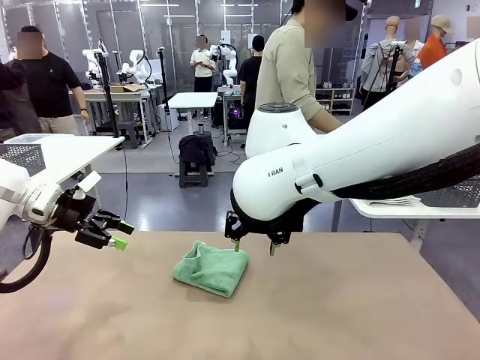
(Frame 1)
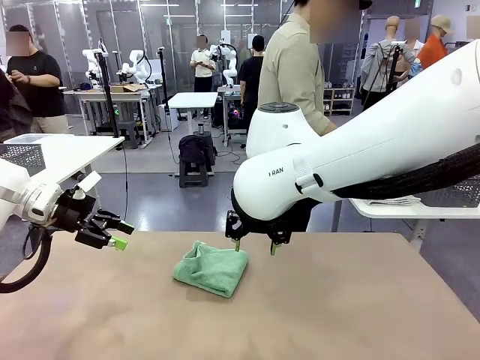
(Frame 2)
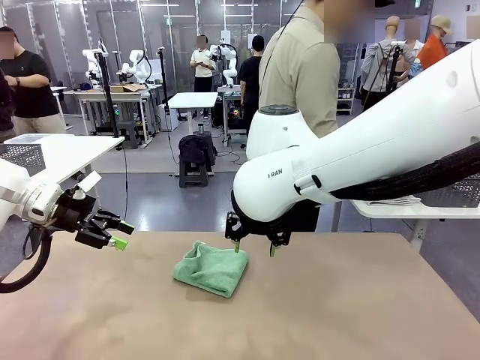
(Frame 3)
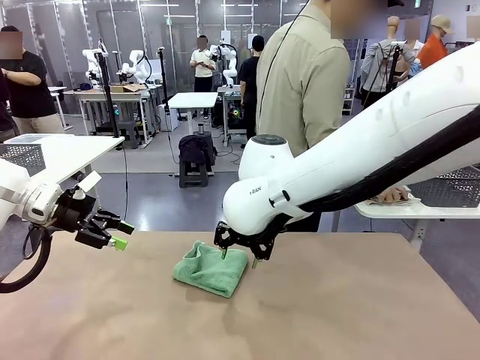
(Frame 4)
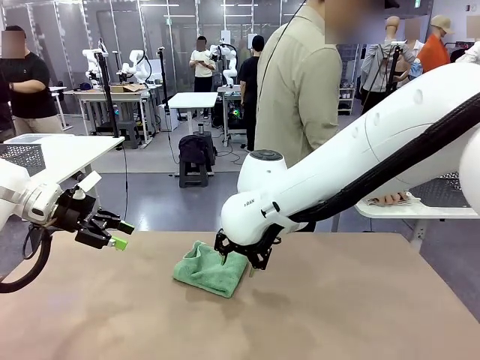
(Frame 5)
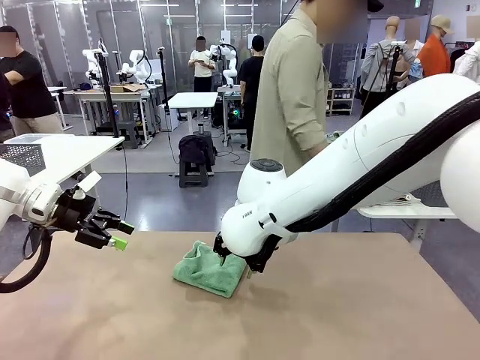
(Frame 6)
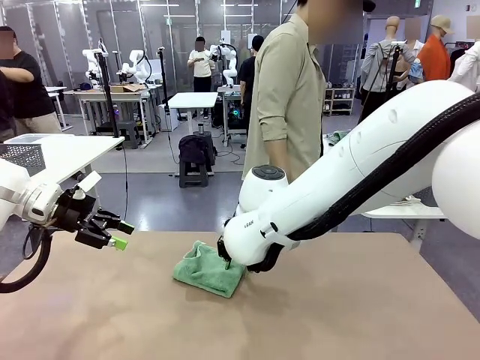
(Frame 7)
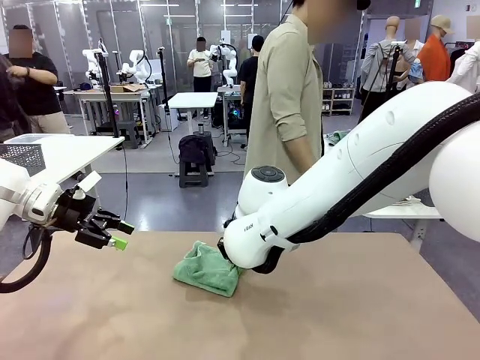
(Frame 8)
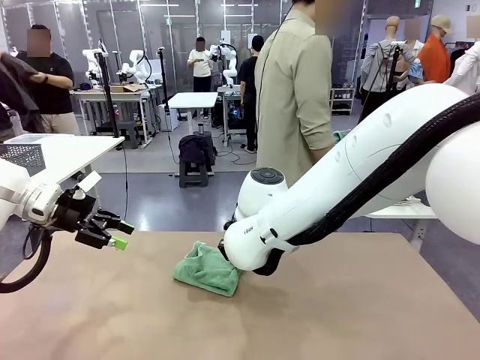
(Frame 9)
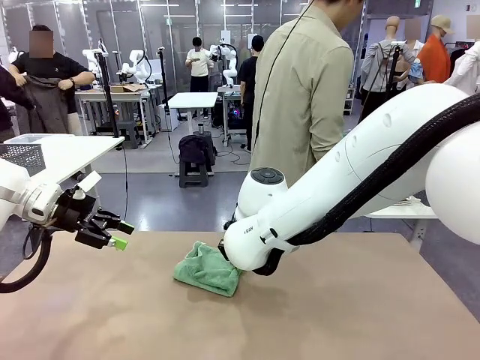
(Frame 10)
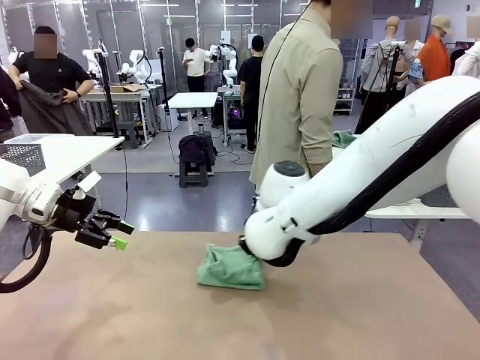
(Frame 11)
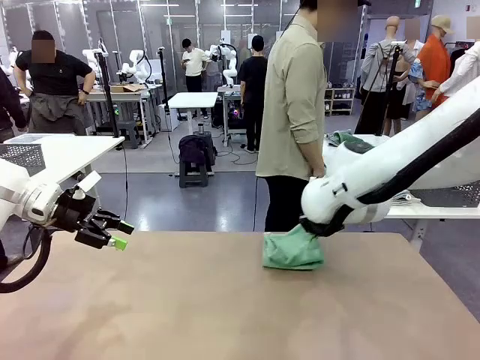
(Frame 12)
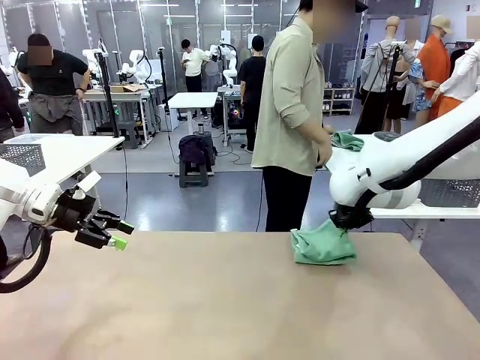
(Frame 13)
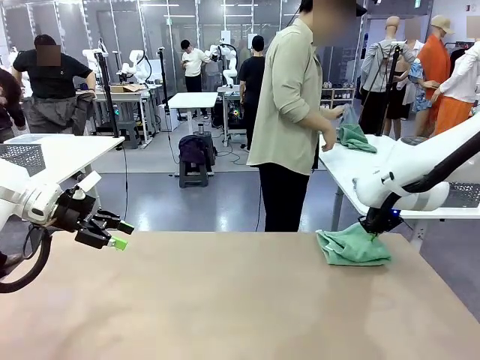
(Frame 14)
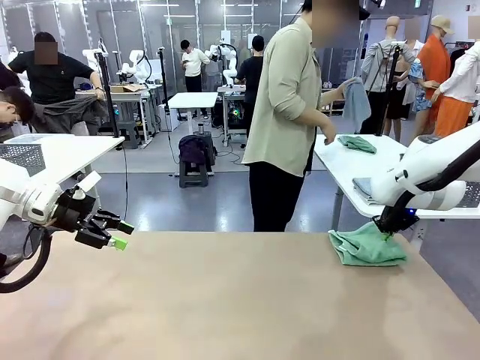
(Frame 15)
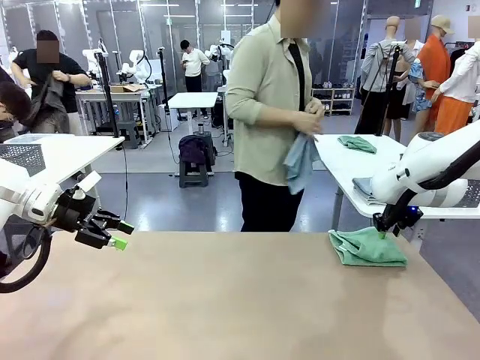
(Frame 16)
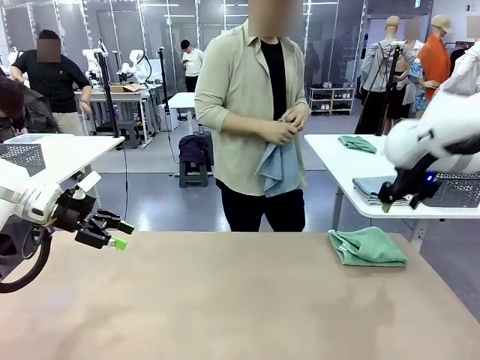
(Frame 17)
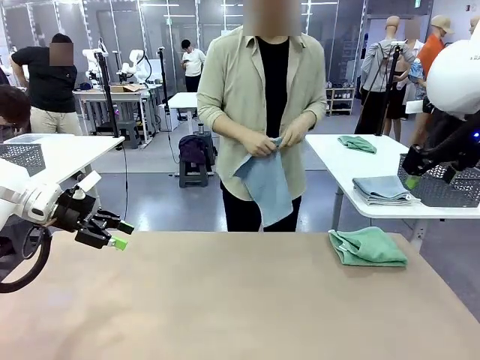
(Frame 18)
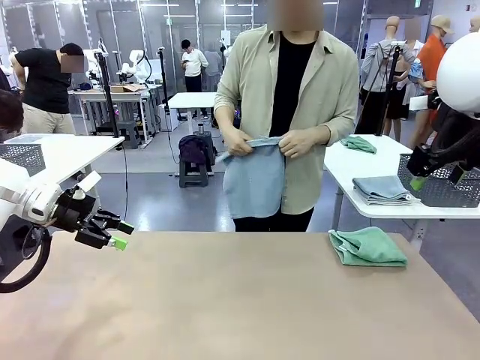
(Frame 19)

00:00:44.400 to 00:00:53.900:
Task: Fold the towels and place them in the basket.
Robot: Place the folded Towel with hook on the right side of the table.
Person: Pick up one towel from the left side of the human table and spread it out at the center of the robot table.

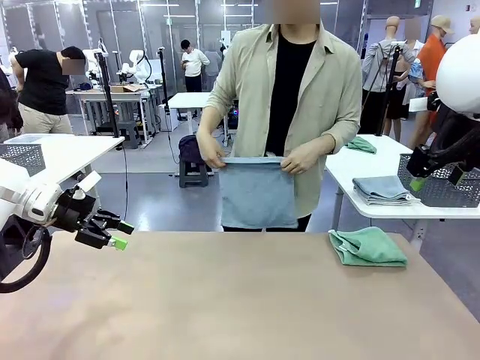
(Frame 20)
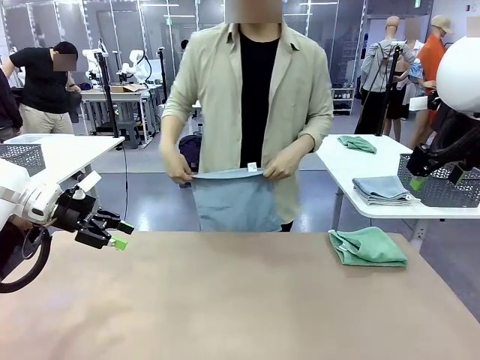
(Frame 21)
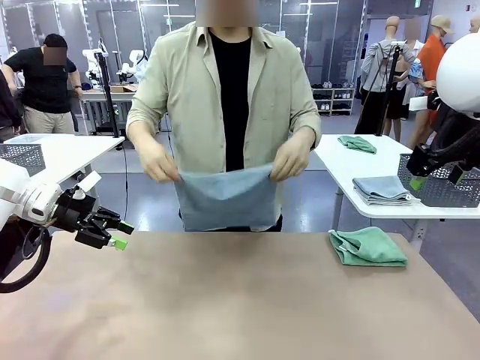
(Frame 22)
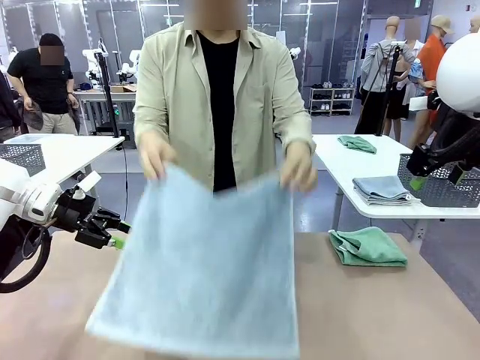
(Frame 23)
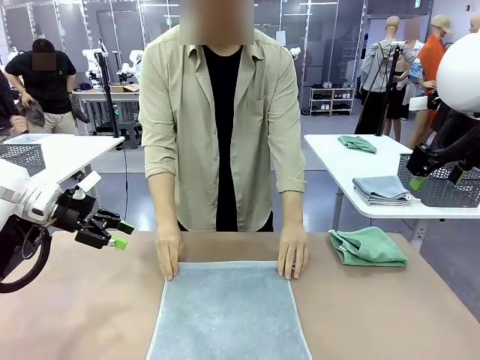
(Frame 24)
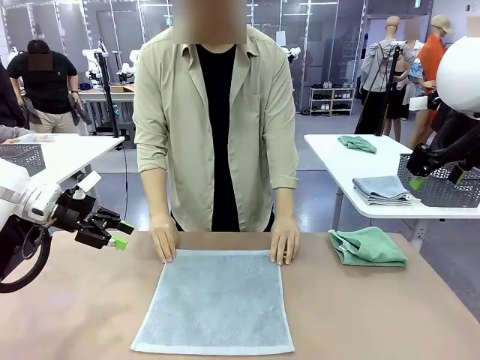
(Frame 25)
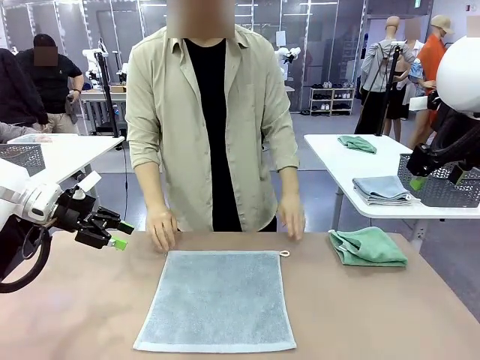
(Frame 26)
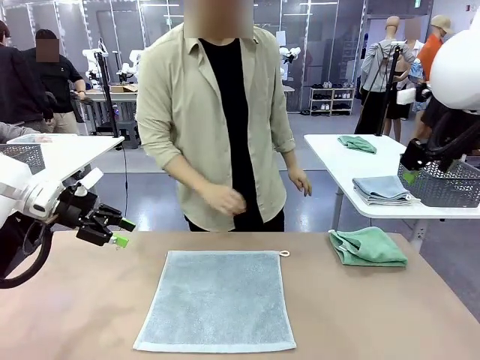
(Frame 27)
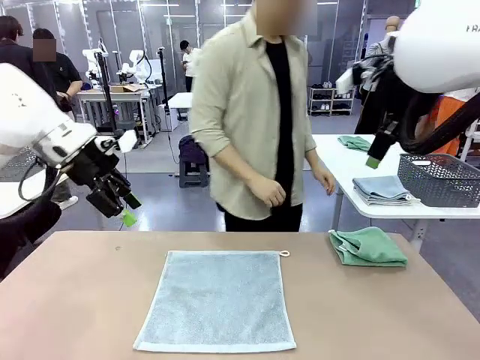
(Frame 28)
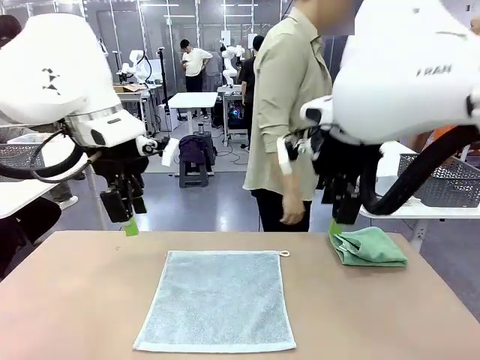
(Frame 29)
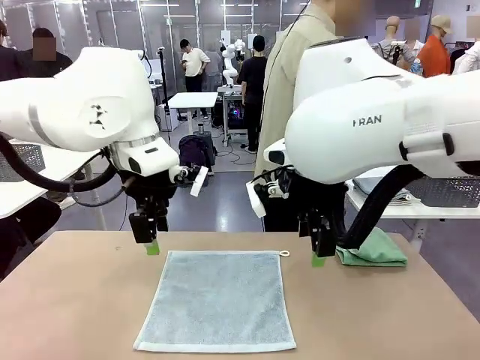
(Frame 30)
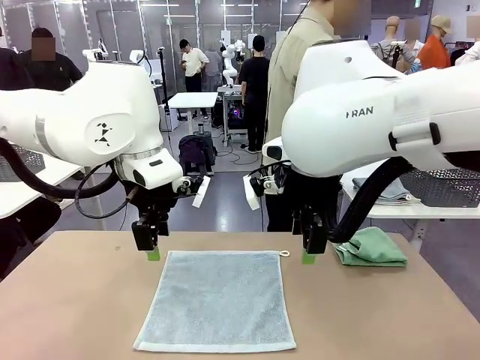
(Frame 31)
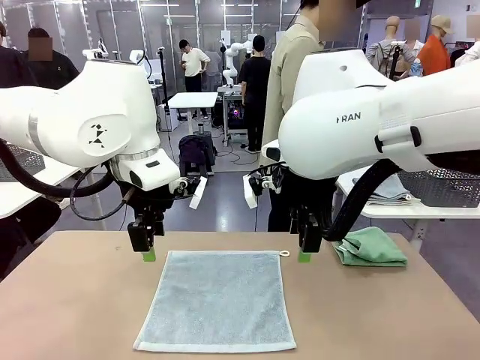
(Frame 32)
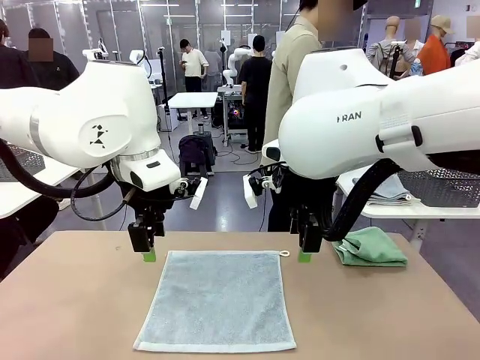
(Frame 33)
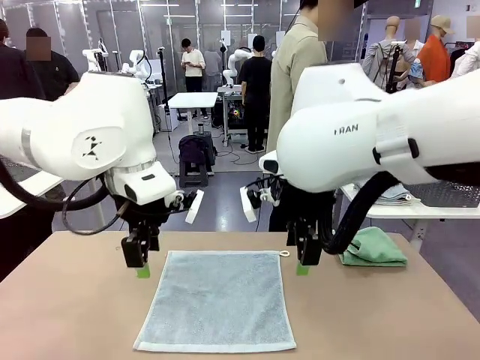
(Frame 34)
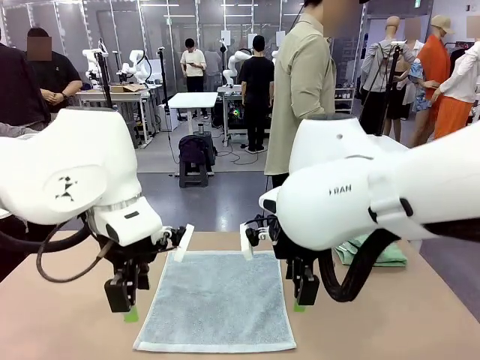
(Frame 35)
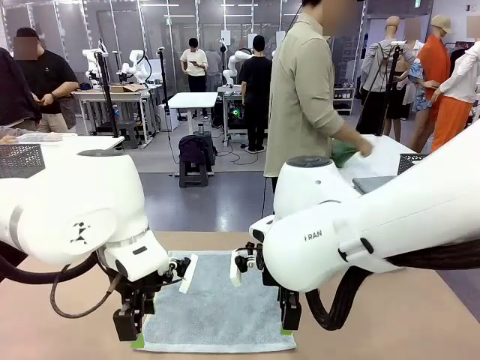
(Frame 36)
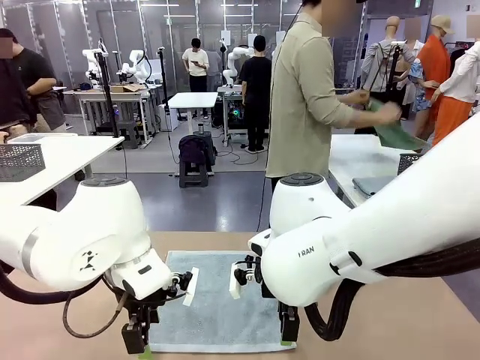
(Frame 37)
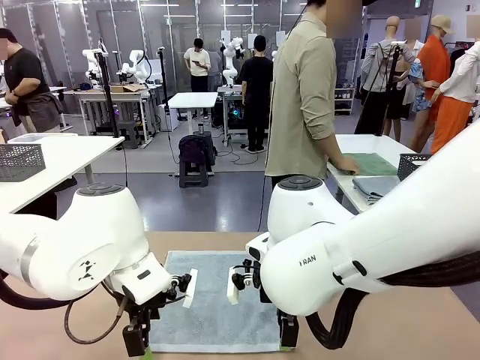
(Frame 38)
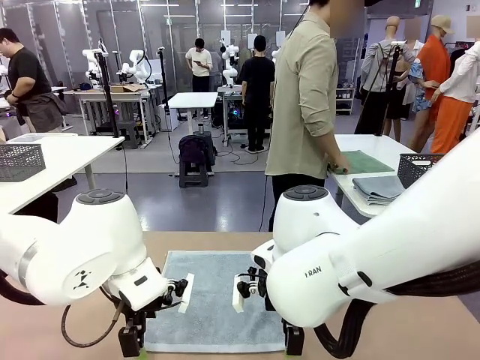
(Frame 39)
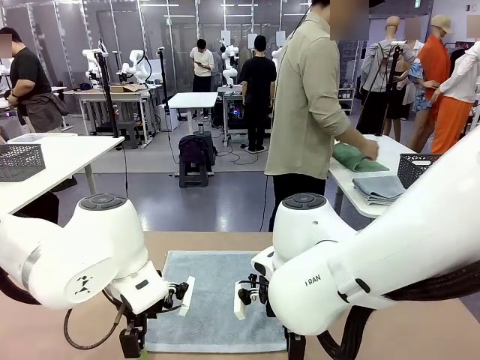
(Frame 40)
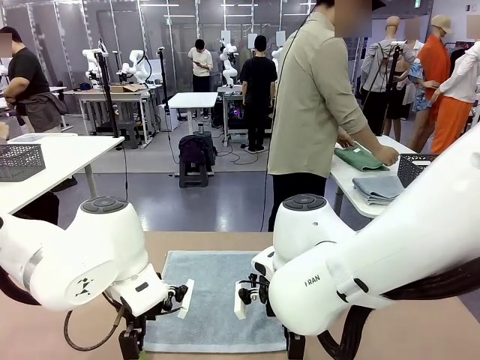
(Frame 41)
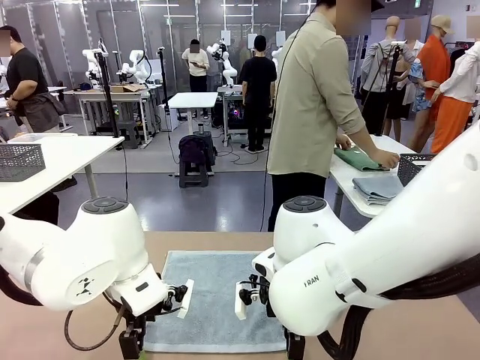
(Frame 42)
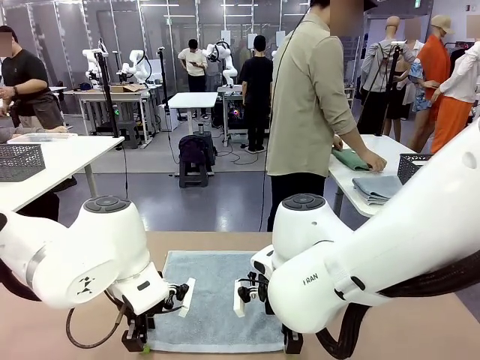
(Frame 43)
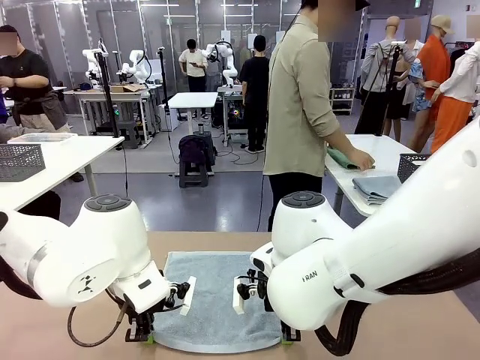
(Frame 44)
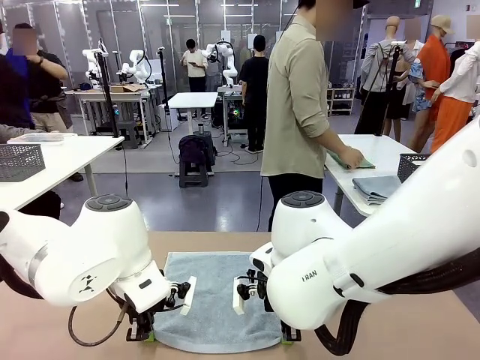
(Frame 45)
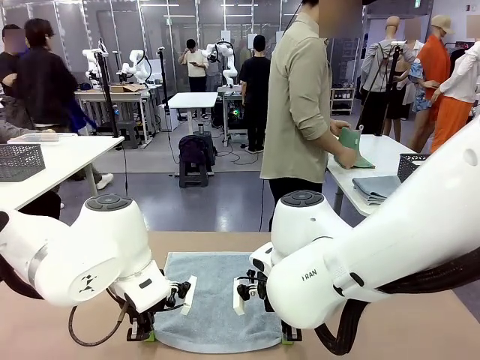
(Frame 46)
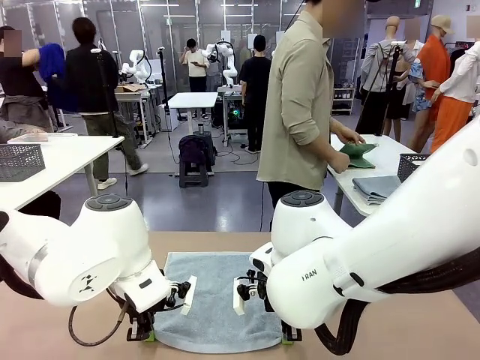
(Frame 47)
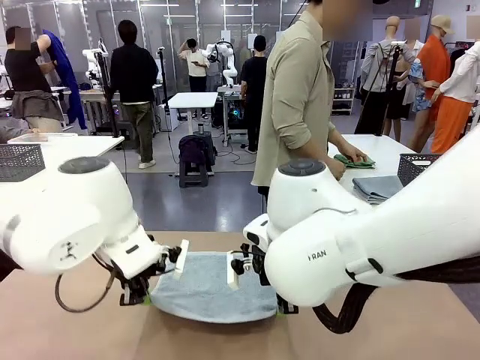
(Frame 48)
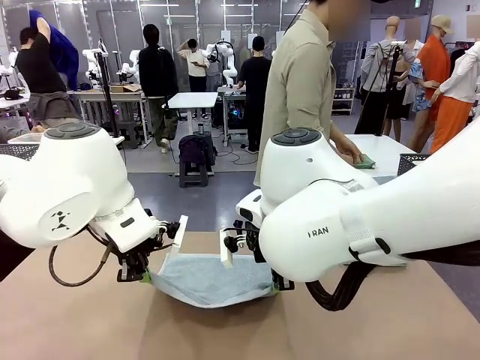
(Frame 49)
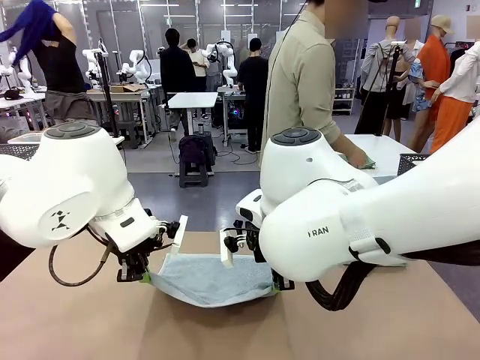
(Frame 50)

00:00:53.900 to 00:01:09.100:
Robot: When a person lays out a Towel with hook on the table, fold it in half twice.
Person: Pick up one towel from the left side of the human table, fold it in half twice, and stack it on the right side of the table.

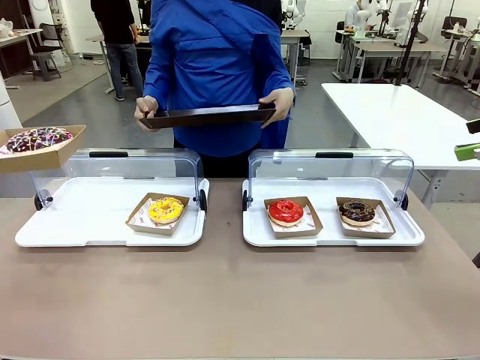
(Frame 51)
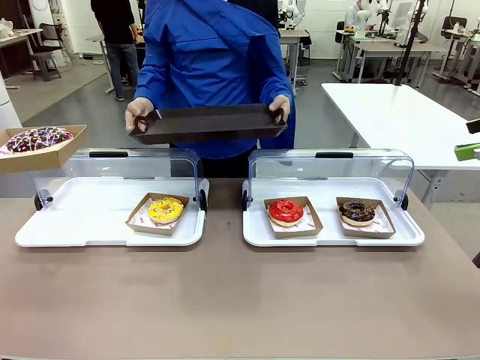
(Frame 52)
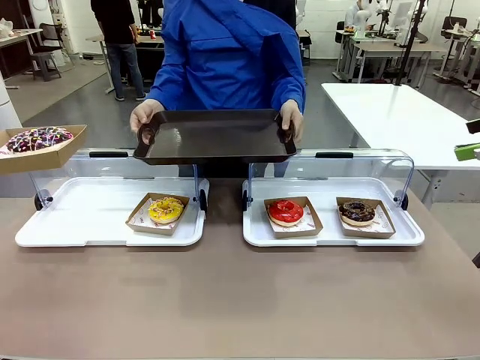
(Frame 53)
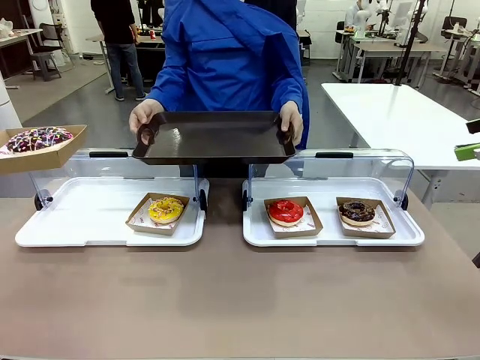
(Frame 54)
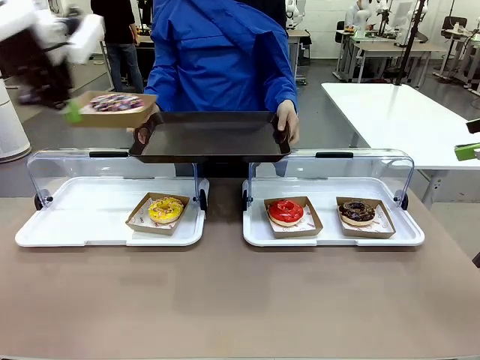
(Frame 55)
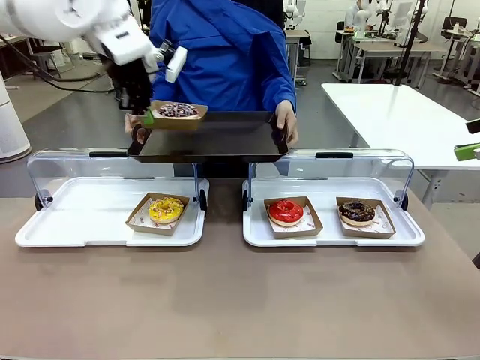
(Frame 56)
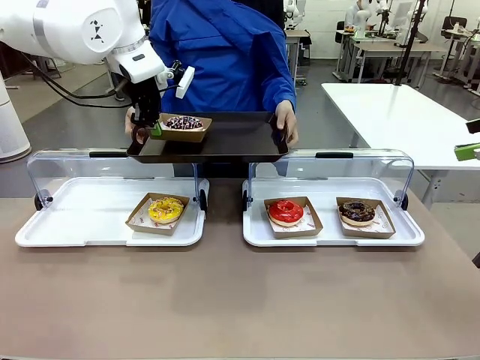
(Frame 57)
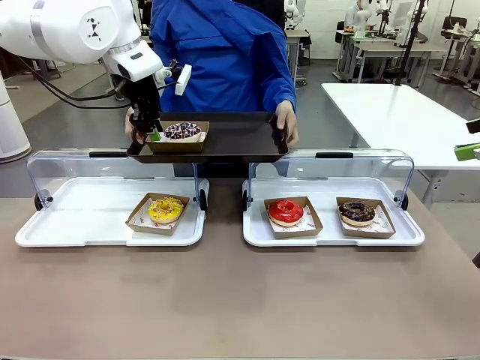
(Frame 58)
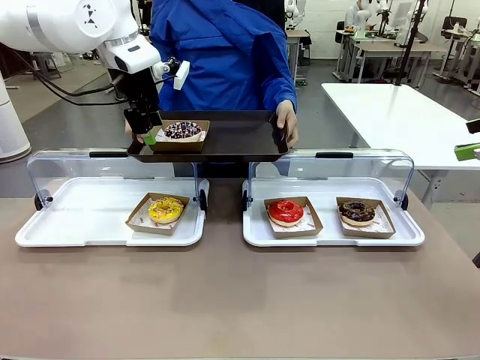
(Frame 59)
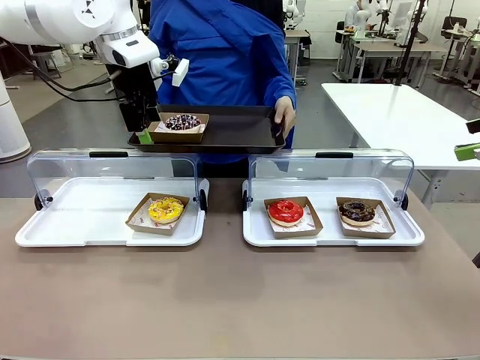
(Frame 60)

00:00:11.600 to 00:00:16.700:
Task: Provide the desired donut to the person.
Robot: Place the picked Paper togo box onto the Handle tray extended by the person.
